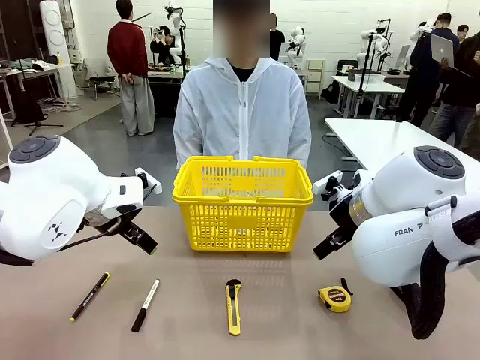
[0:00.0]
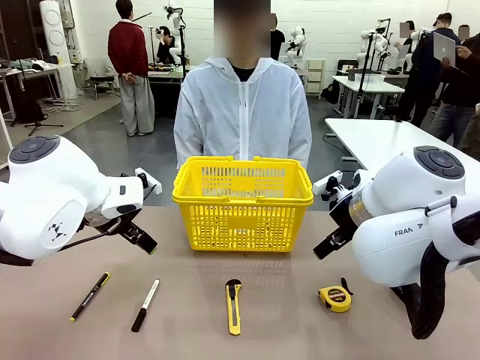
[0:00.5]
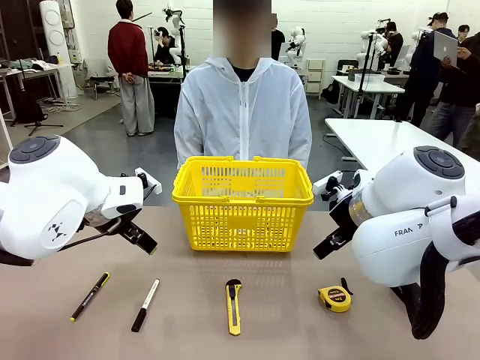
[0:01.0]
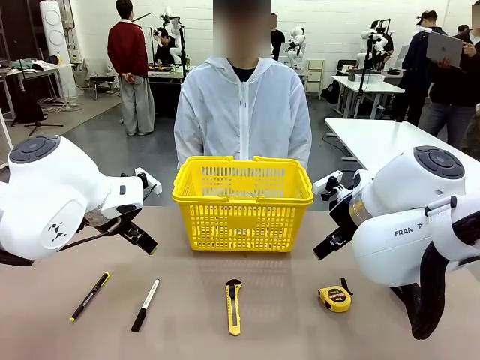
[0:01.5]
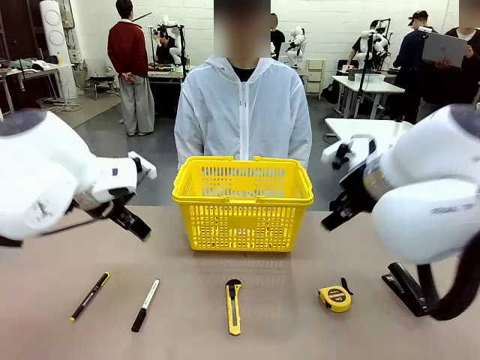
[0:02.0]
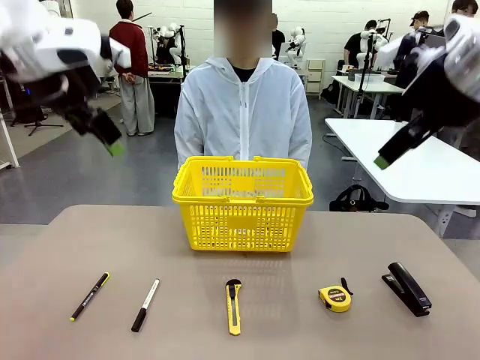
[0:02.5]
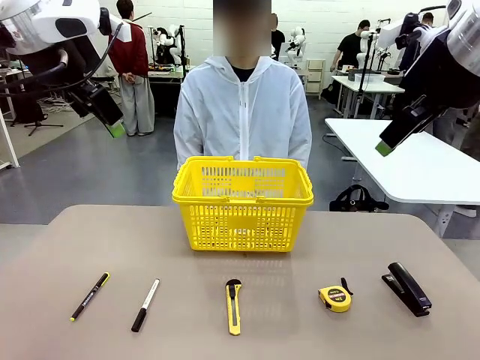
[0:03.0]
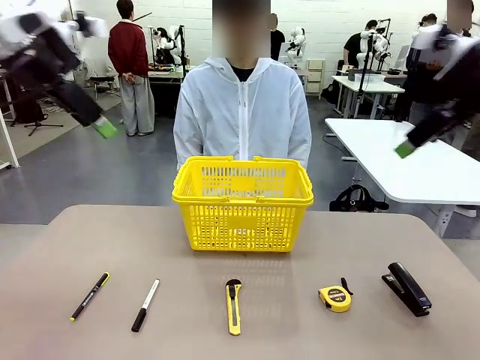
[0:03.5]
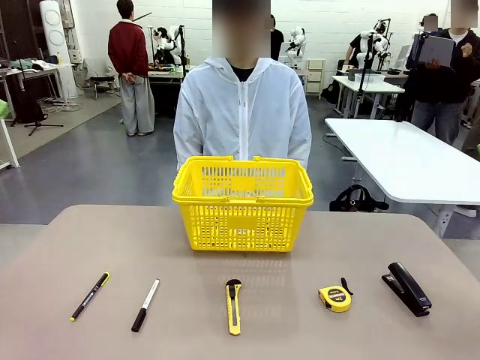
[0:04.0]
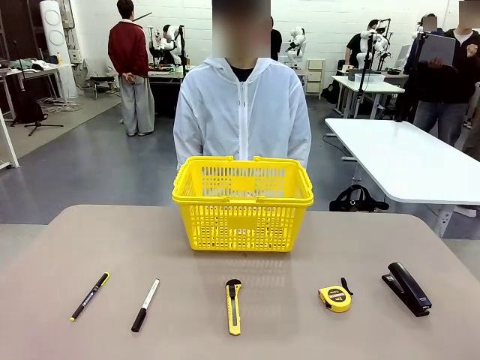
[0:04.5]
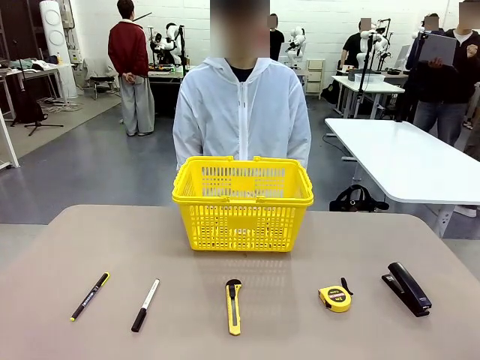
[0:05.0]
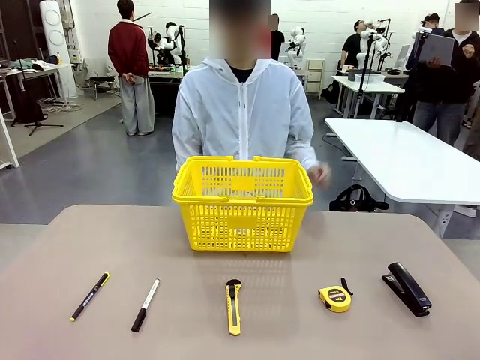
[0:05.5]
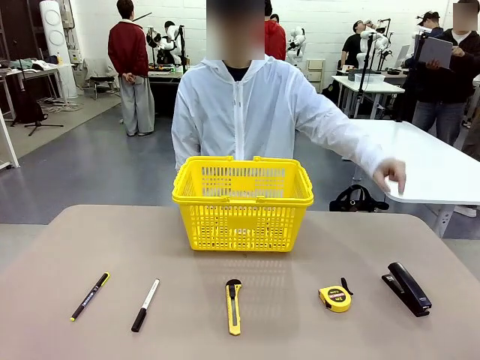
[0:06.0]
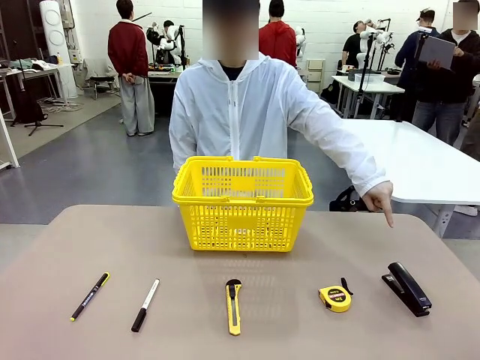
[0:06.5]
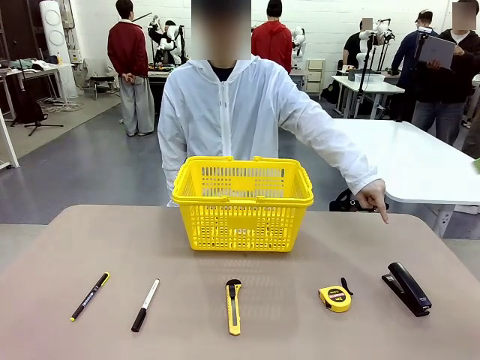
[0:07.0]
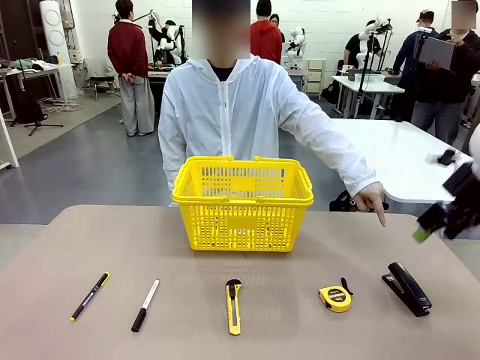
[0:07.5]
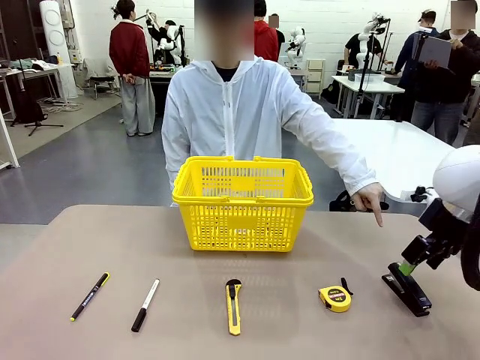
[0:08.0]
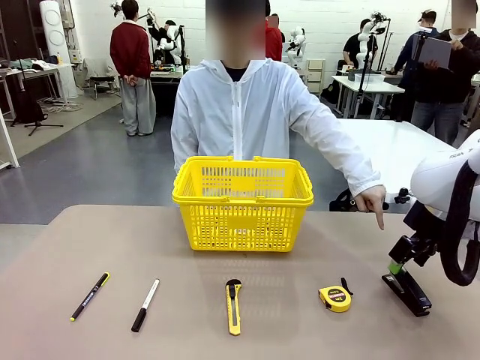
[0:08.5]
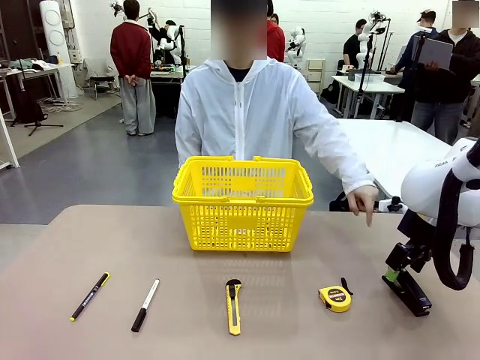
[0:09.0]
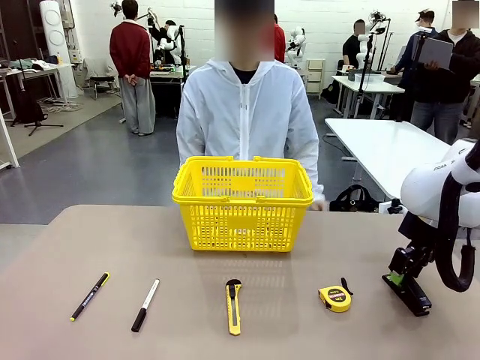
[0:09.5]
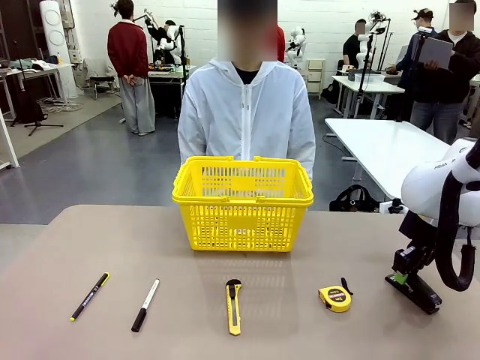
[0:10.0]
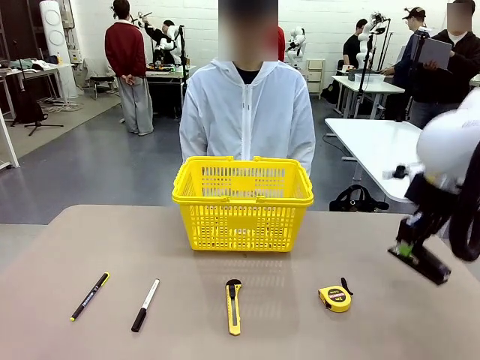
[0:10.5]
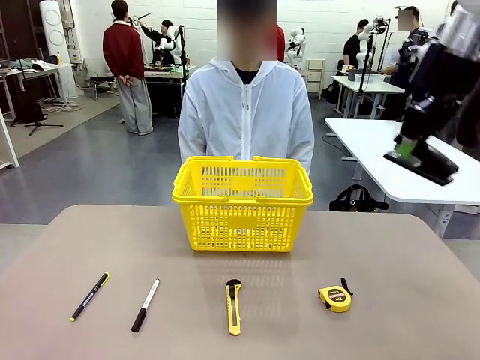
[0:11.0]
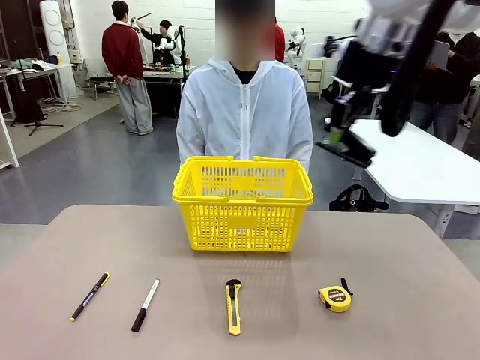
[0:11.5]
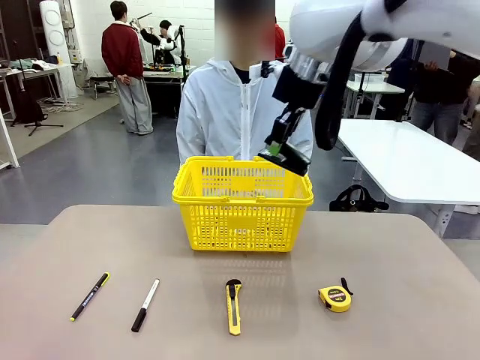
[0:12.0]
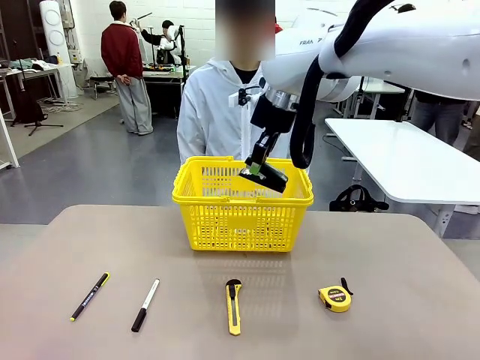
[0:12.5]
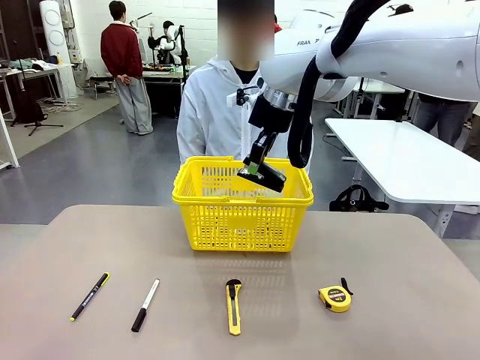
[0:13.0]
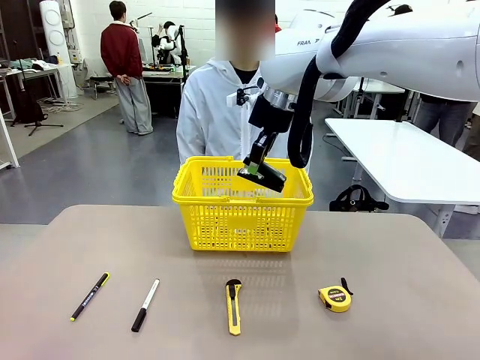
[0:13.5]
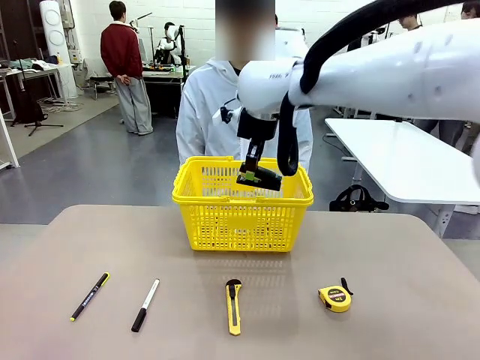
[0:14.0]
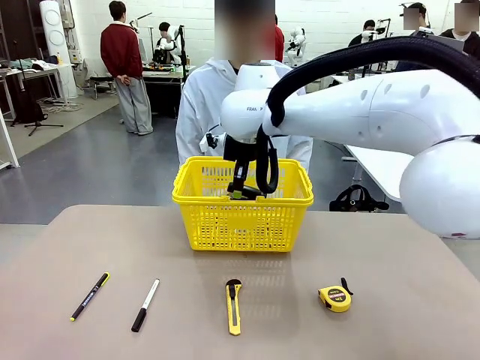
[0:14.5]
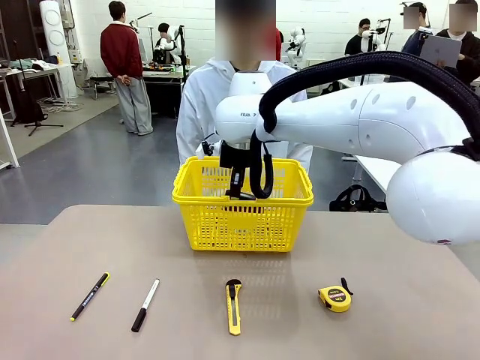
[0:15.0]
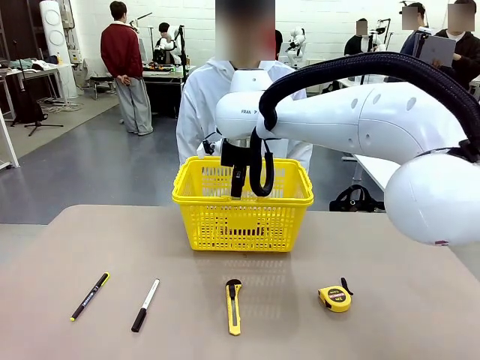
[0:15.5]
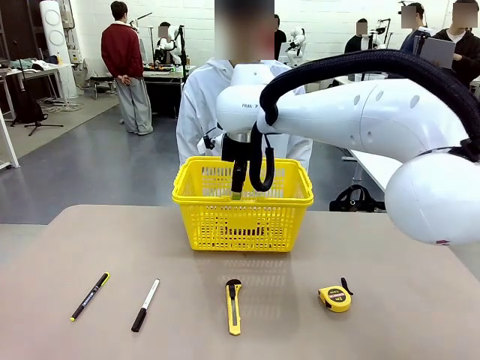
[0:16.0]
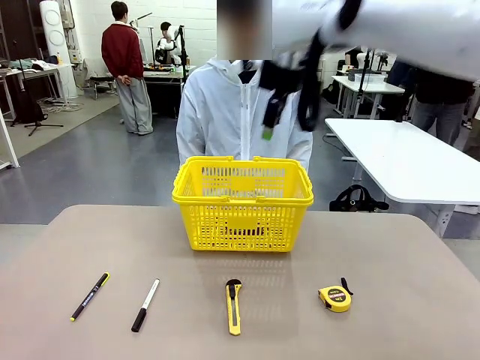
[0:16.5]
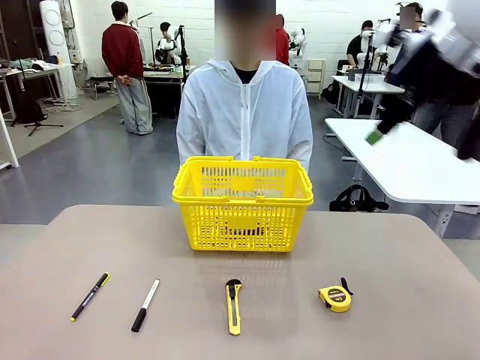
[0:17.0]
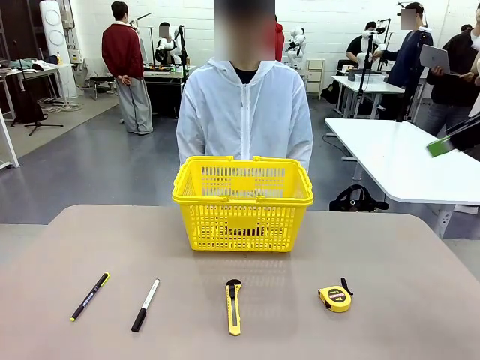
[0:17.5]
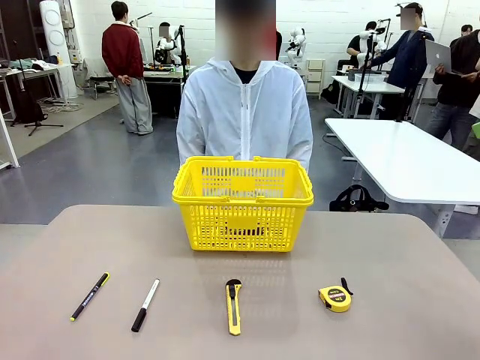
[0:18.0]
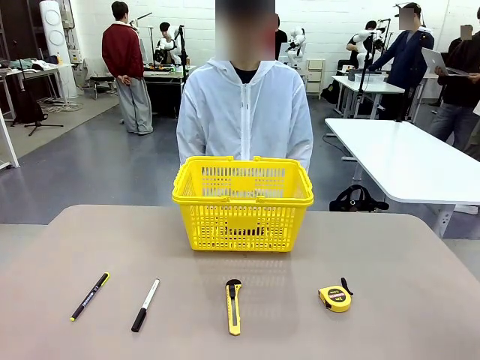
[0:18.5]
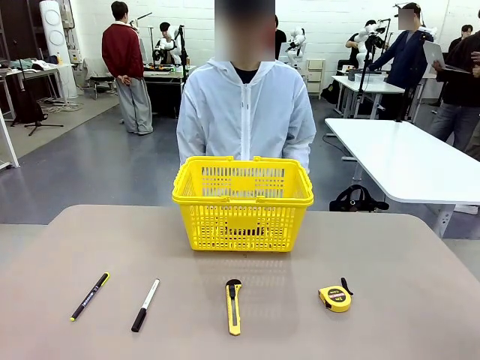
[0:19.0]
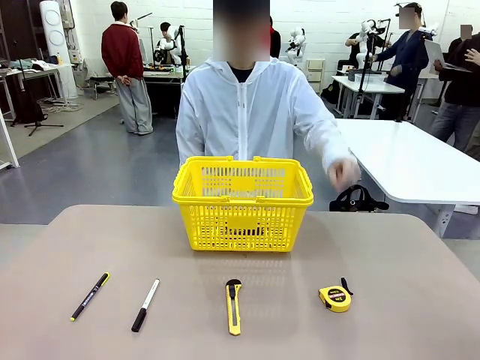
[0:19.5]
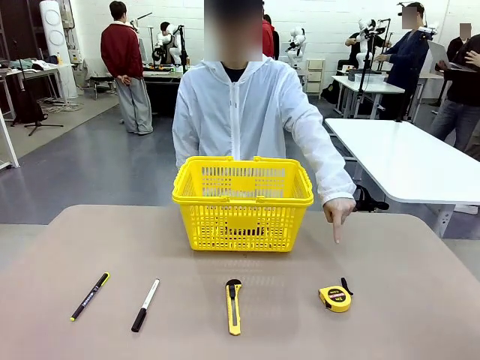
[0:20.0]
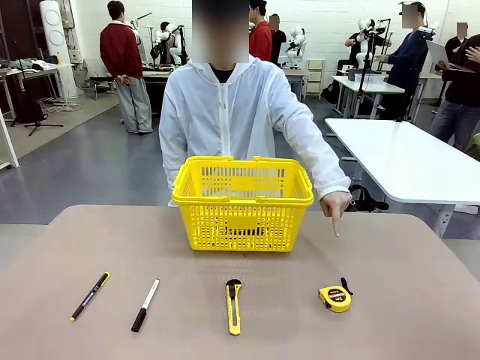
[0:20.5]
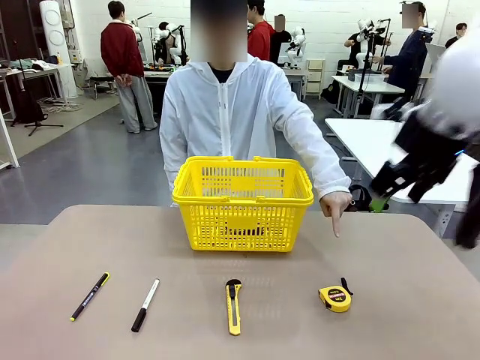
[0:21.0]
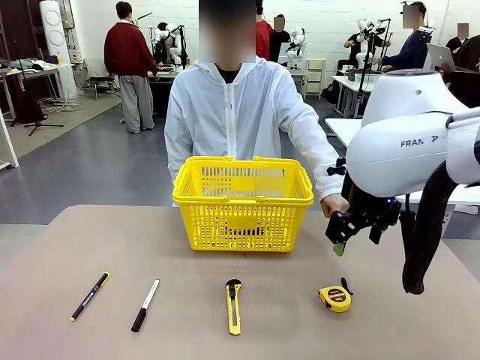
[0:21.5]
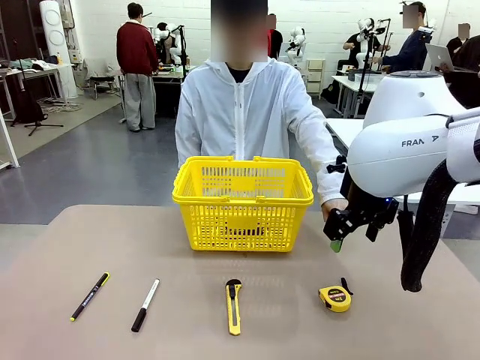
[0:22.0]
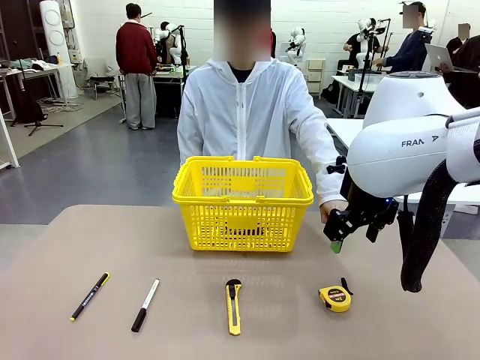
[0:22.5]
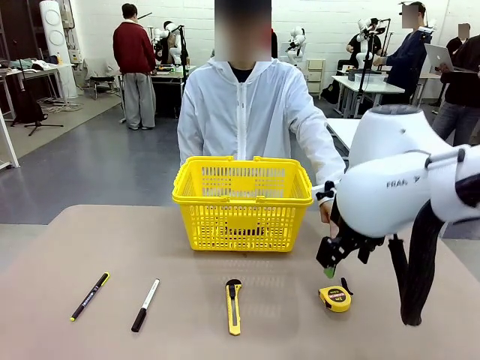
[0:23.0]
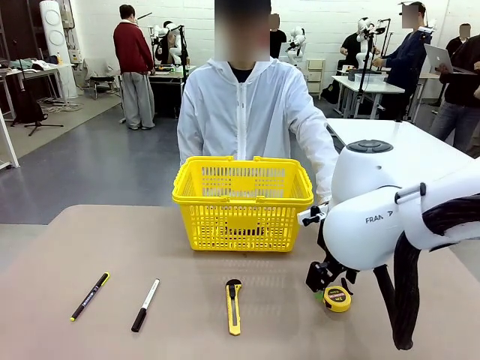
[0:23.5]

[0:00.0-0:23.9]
Task: Place the items the person wants into the basket.
Robot: Pick up the item the person points to and place it in the Market Basket.
